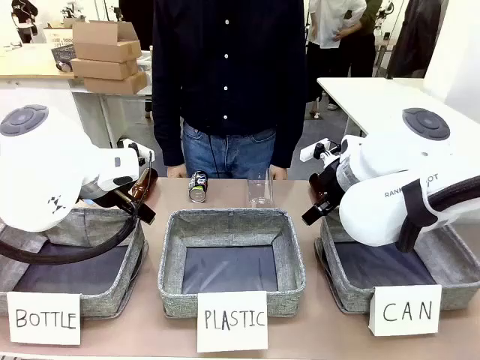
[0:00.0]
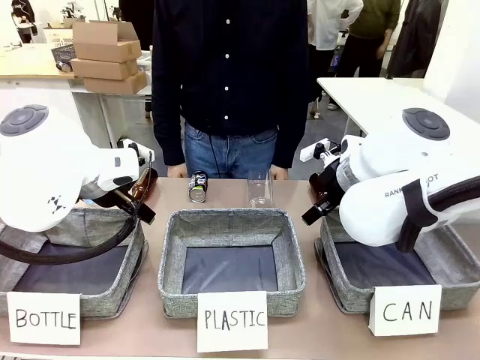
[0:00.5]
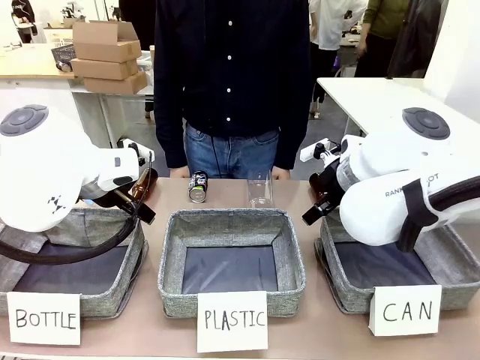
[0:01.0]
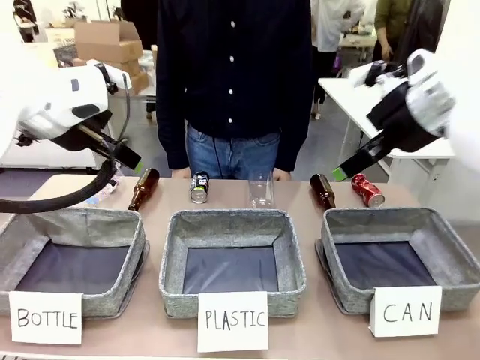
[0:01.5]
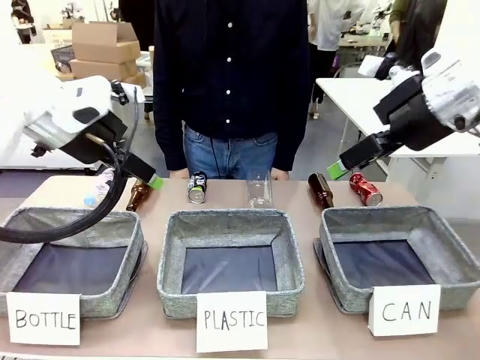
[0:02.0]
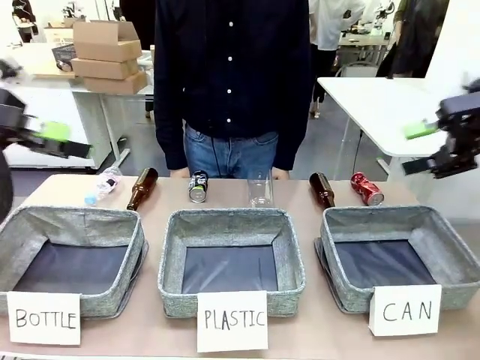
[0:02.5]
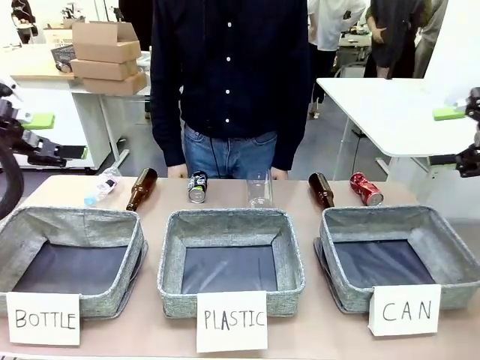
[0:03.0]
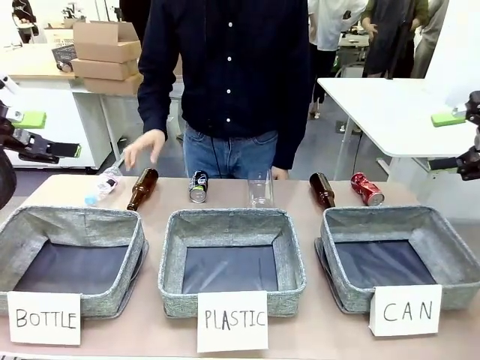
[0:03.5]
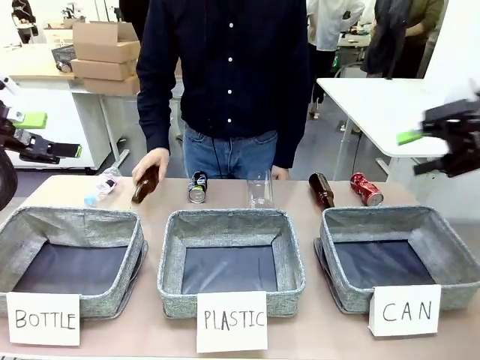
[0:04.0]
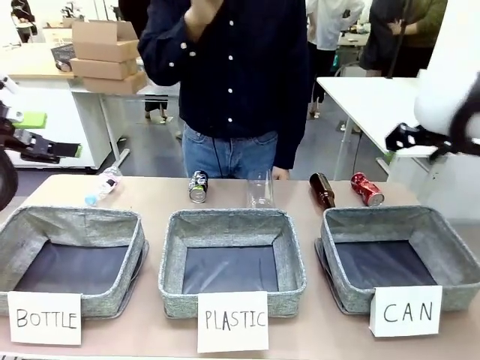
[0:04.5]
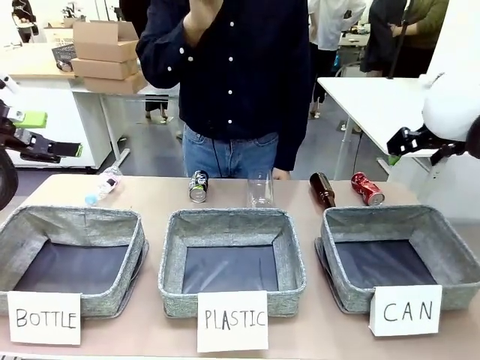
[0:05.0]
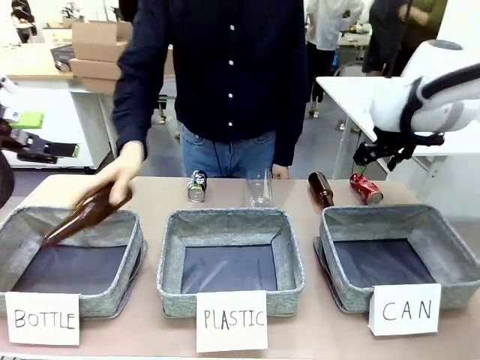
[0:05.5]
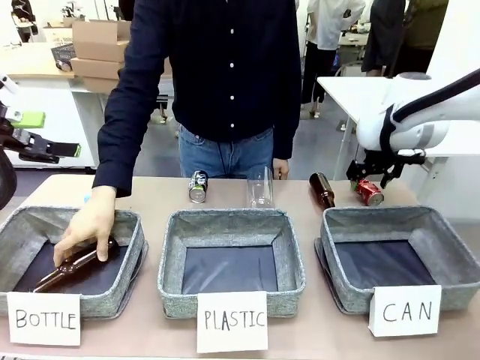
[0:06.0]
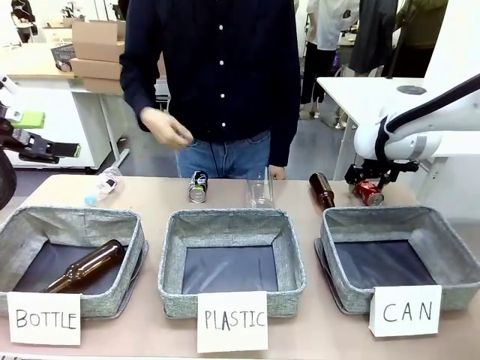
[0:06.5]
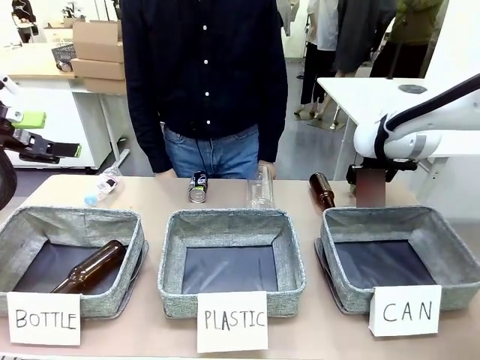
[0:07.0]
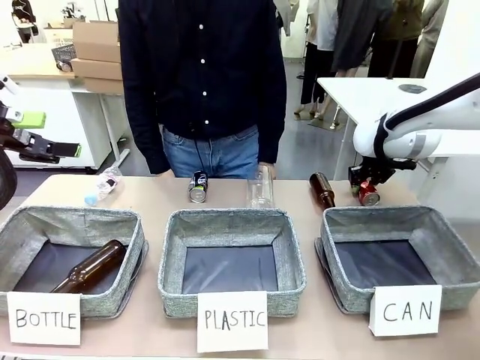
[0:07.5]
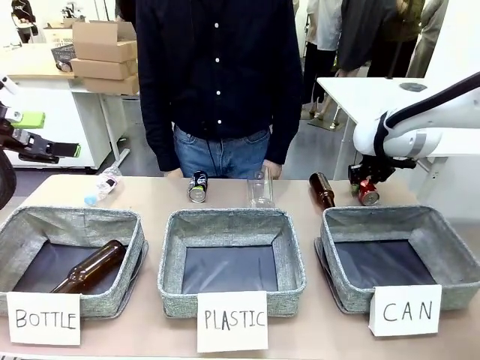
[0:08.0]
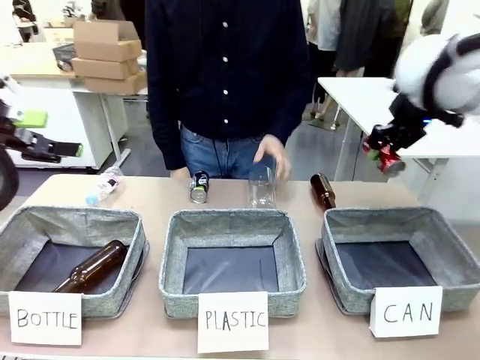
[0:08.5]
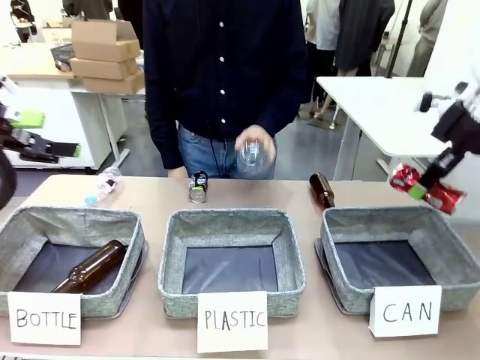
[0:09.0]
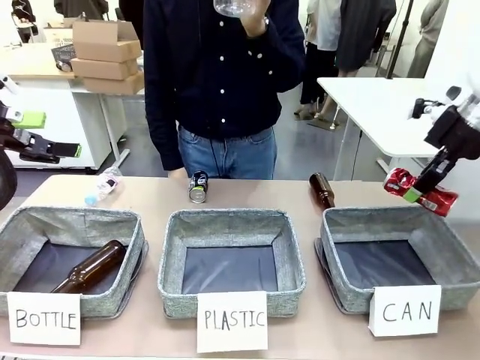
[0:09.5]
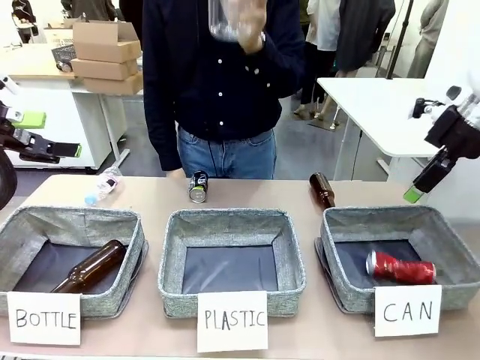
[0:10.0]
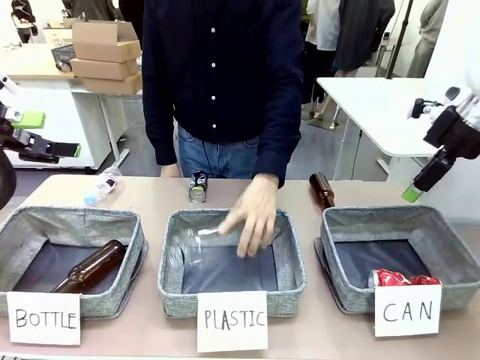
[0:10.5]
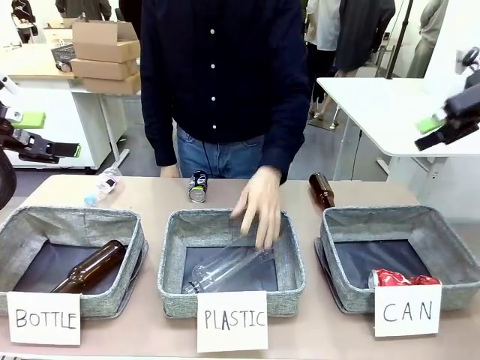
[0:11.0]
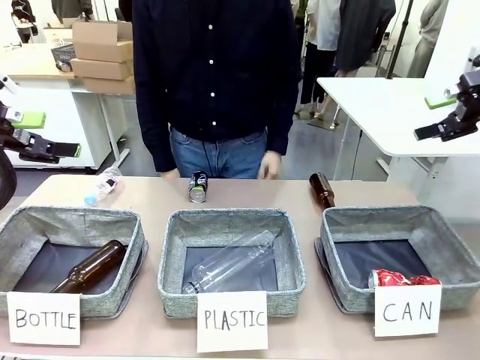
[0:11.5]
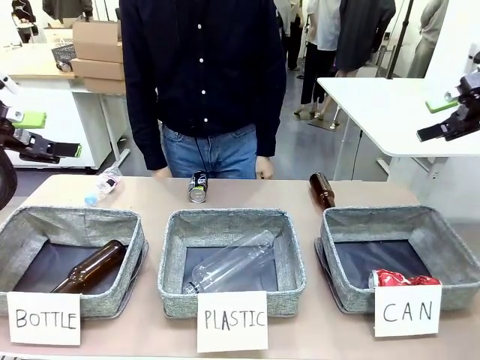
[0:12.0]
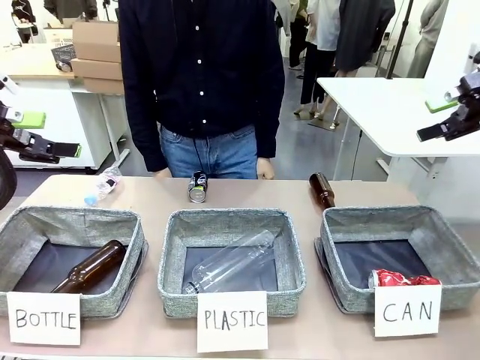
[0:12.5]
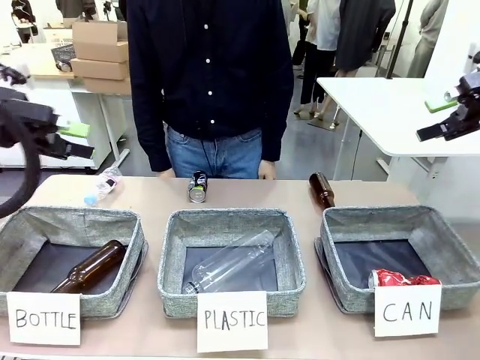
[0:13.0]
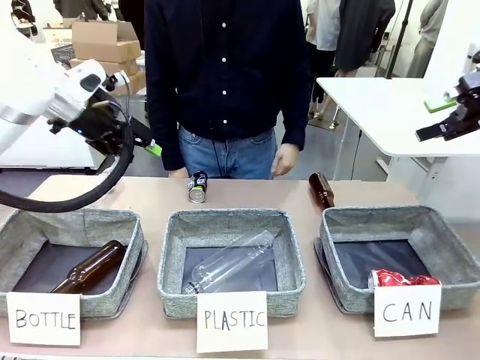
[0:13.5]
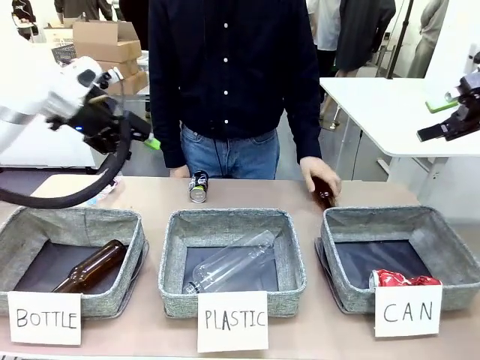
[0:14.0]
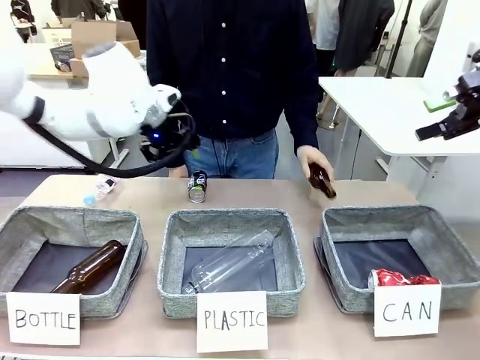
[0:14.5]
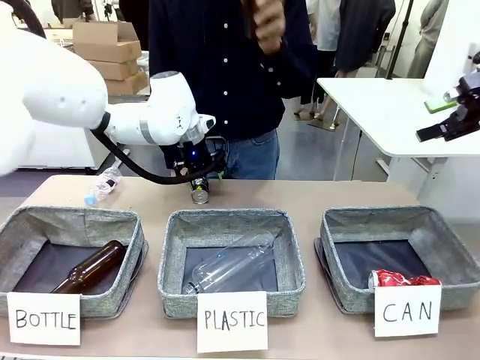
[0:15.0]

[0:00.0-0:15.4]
Task: Sort the can waste into the basket.
Robot: Pick up the can waste from the table and place it in the right Fabric basket.

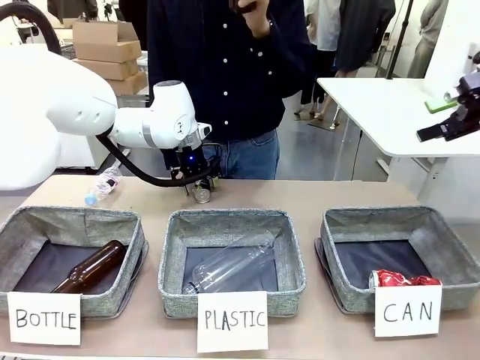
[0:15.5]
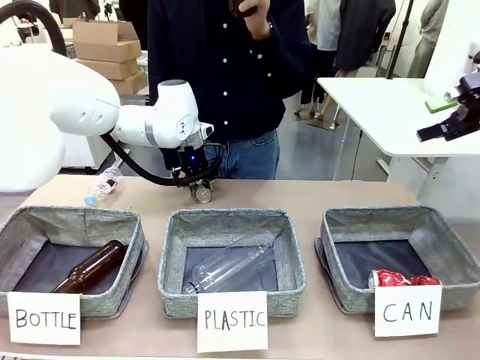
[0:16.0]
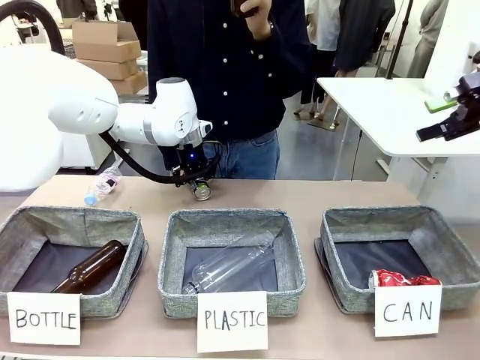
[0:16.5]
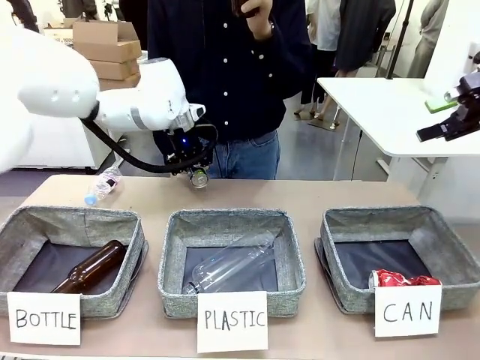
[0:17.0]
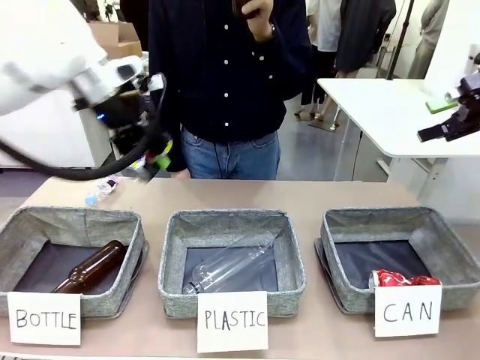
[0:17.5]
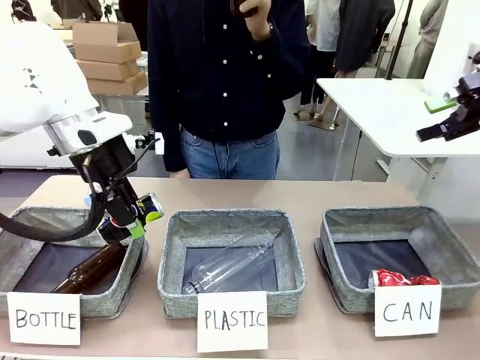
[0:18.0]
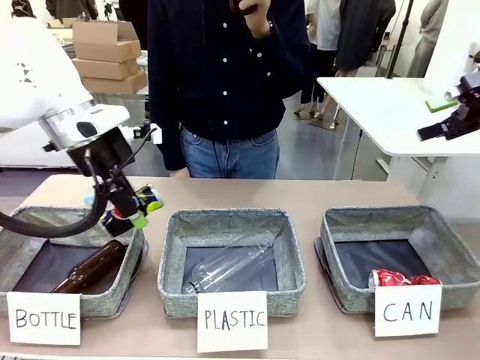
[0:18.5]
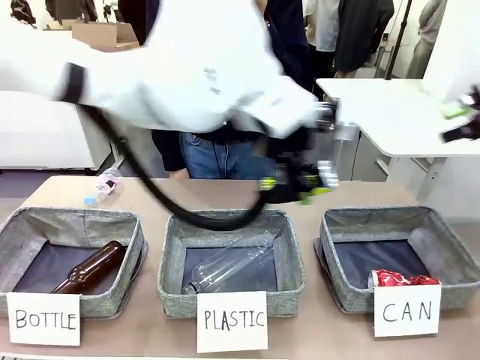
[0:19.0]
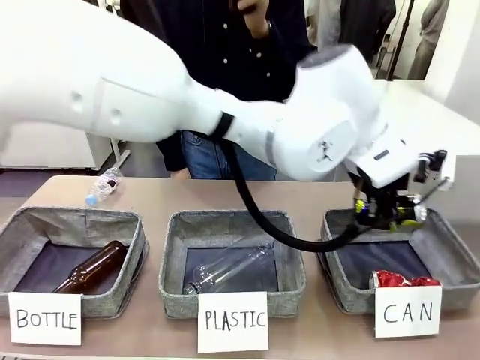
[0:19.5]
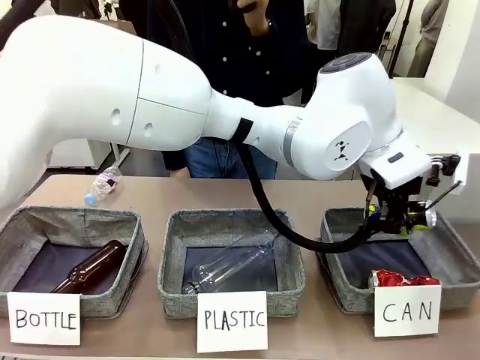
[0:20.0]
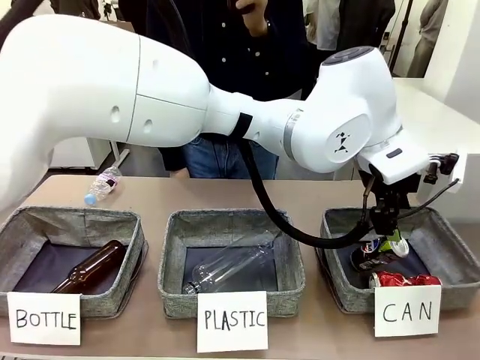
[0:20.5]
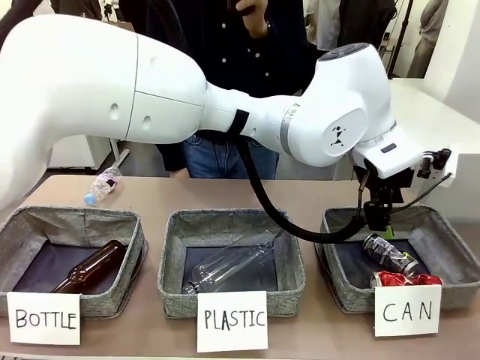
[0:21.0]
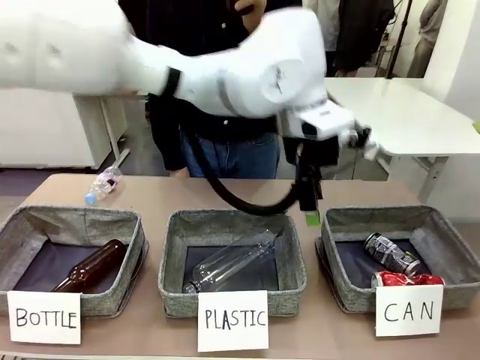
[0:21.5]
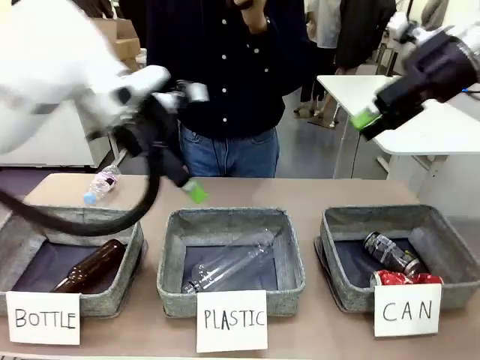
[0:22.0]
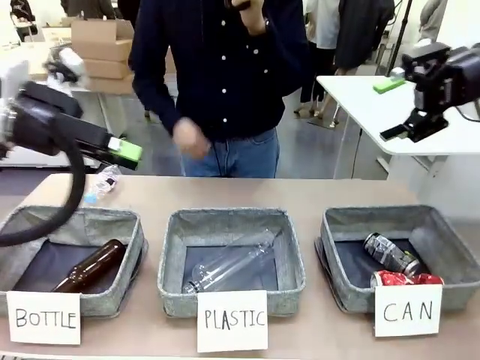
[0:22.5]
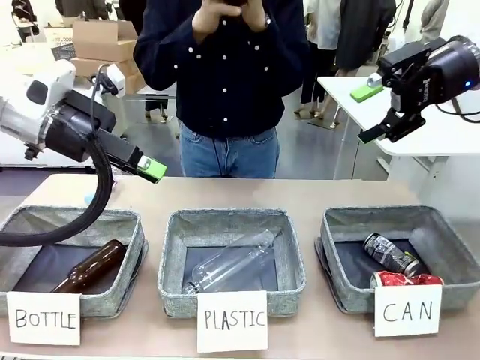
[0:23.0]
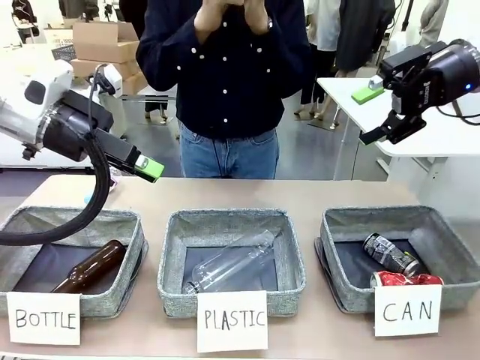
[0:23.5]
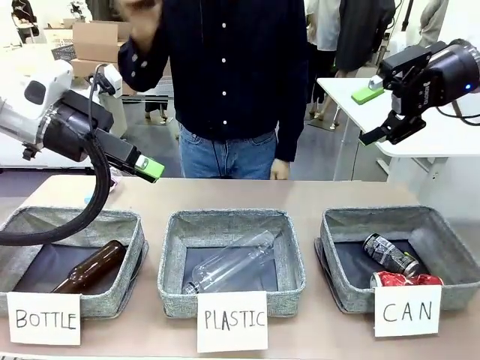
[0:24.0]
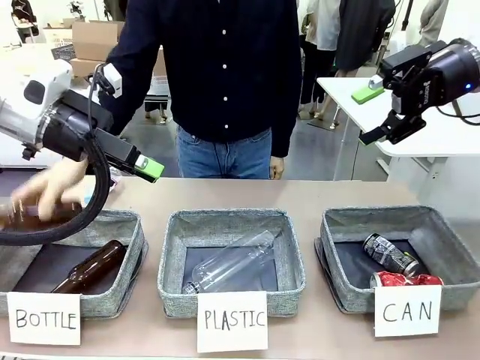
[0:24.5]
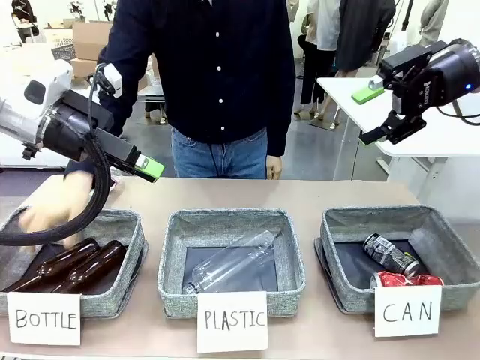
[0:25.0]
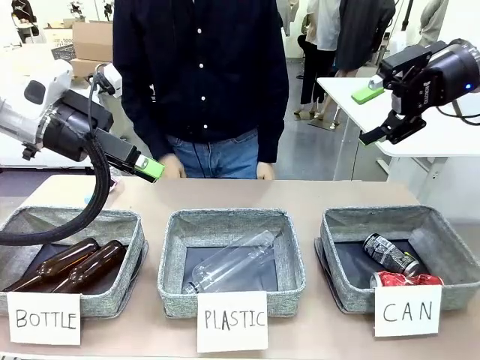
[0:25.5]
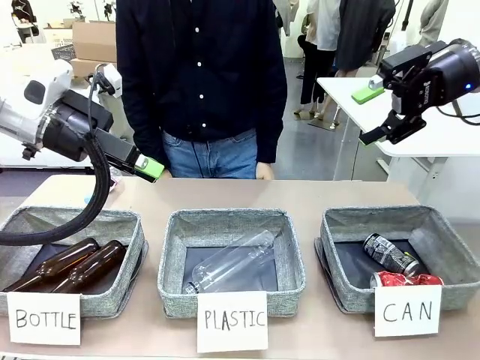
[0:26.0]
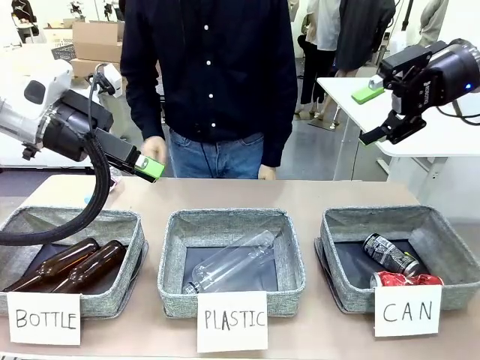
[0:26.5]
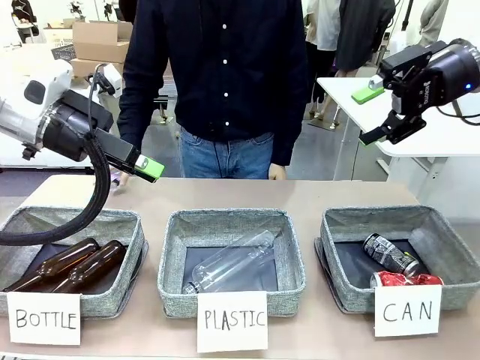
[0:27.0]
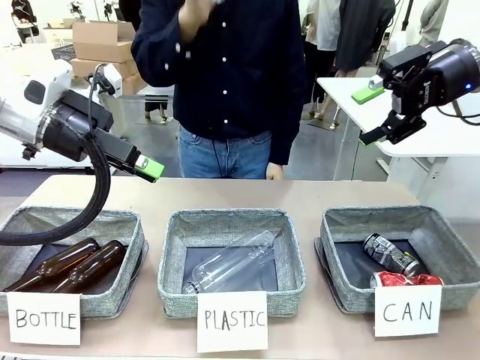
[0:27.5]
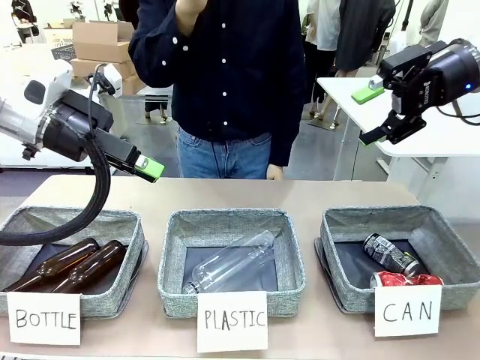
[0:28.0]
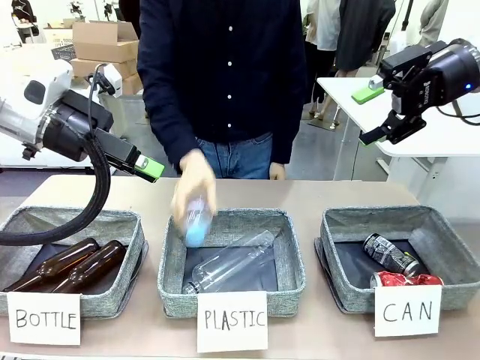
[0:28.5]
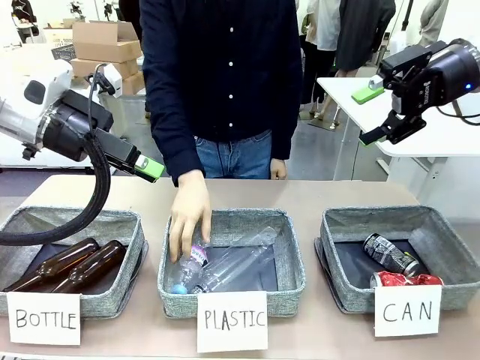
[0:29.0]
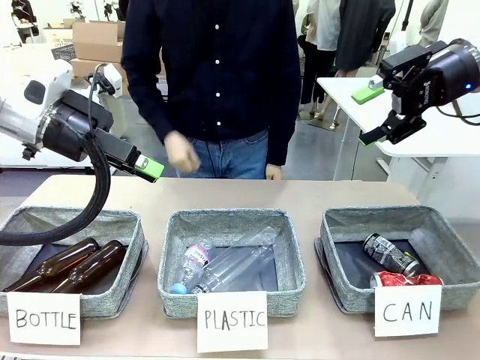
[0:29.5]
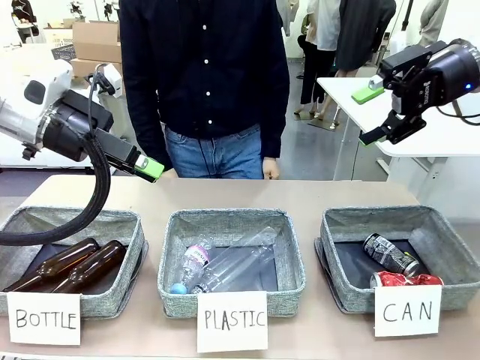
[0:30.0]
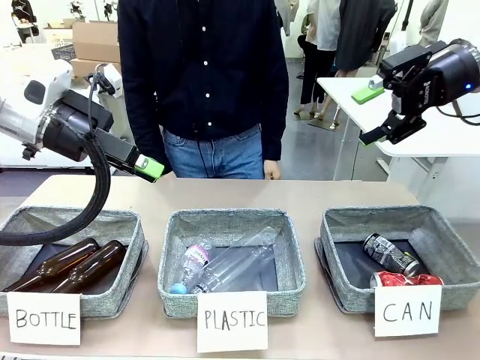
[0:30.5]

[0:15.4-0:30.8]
Robot: Pick up the can waste from the table and place it in the right Fabric basket.
